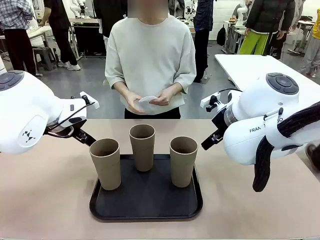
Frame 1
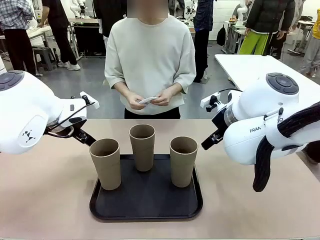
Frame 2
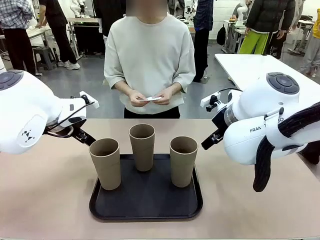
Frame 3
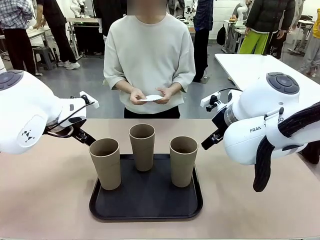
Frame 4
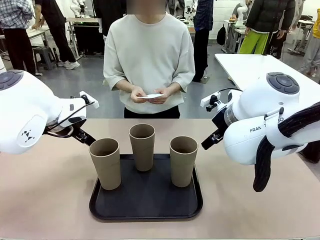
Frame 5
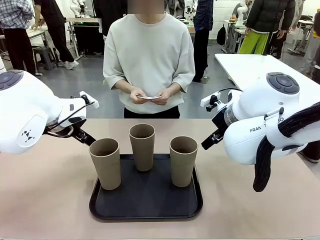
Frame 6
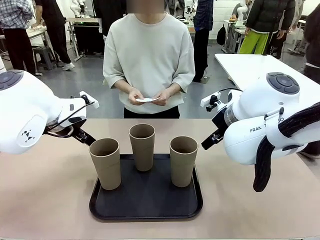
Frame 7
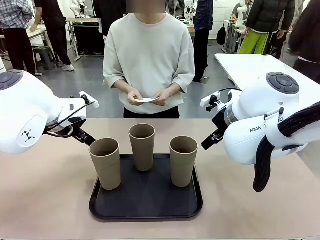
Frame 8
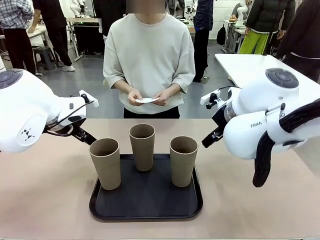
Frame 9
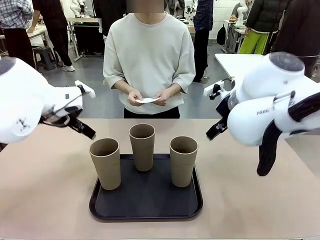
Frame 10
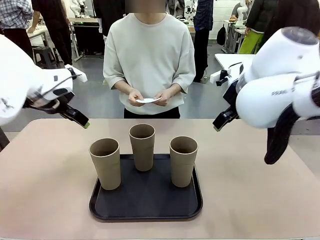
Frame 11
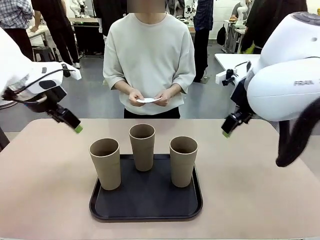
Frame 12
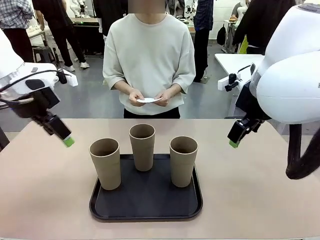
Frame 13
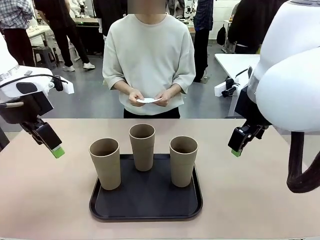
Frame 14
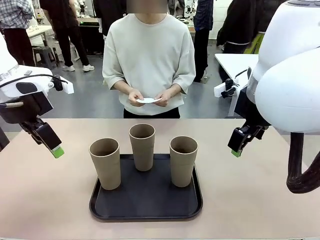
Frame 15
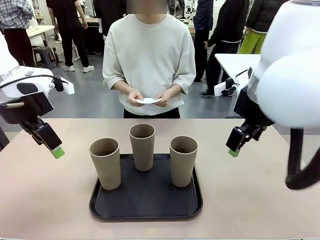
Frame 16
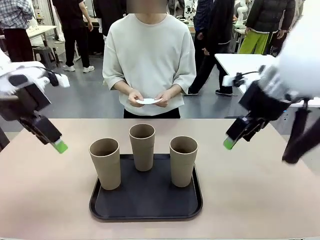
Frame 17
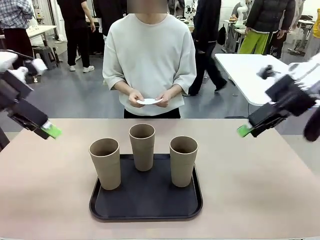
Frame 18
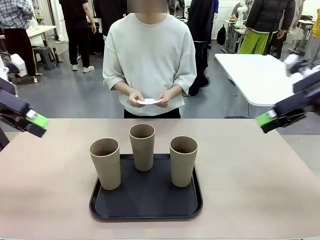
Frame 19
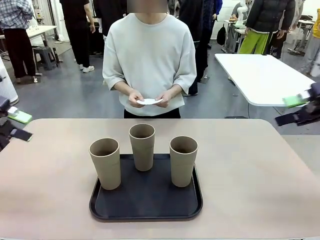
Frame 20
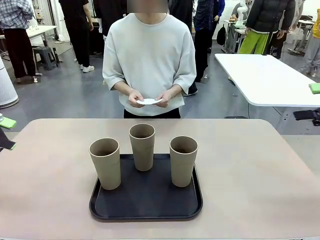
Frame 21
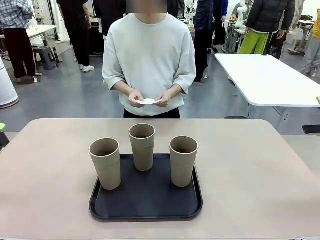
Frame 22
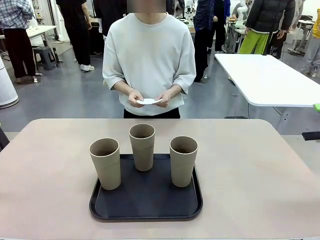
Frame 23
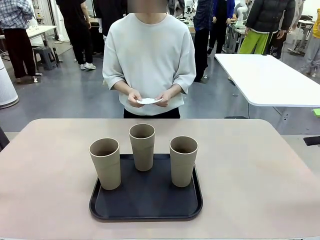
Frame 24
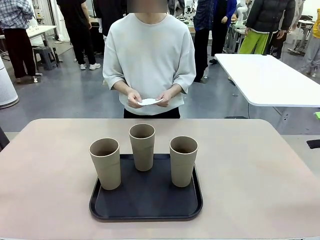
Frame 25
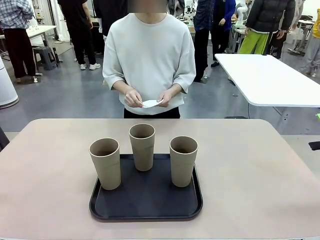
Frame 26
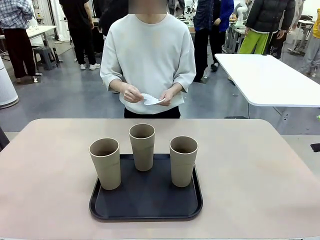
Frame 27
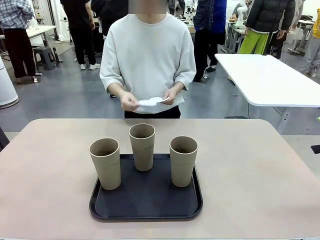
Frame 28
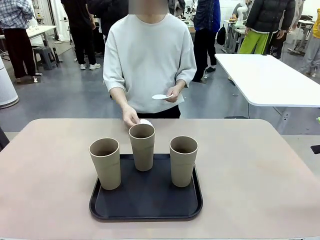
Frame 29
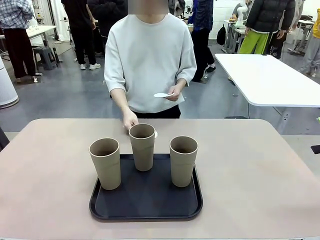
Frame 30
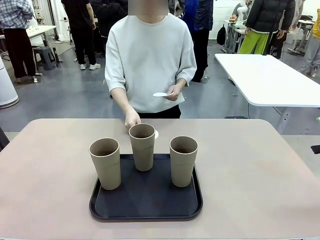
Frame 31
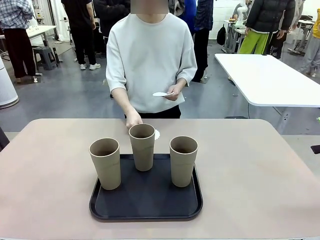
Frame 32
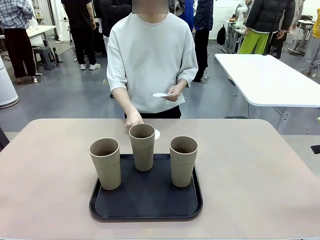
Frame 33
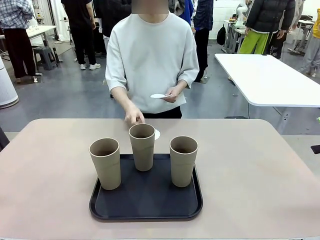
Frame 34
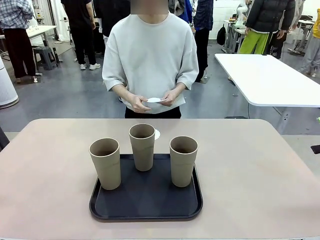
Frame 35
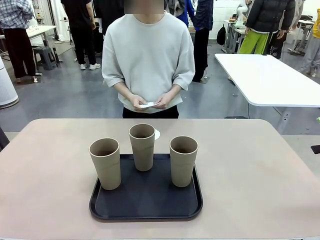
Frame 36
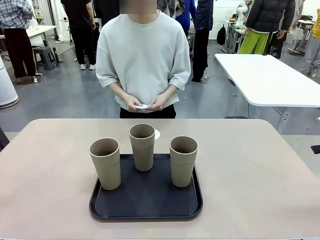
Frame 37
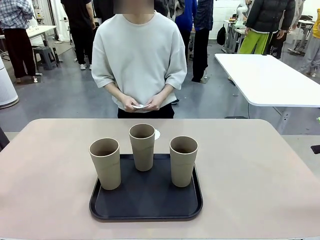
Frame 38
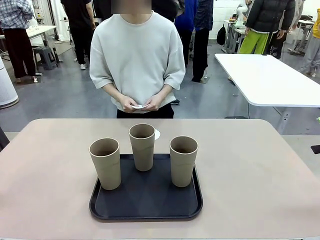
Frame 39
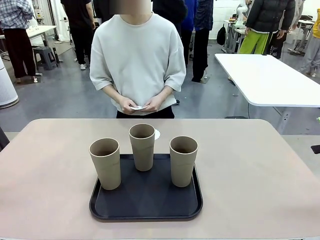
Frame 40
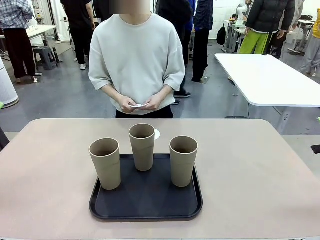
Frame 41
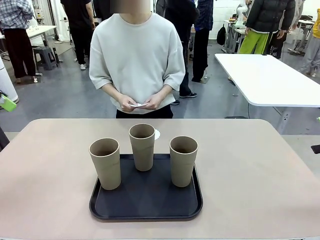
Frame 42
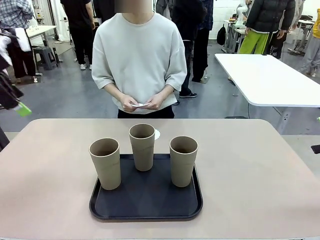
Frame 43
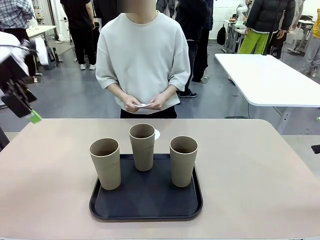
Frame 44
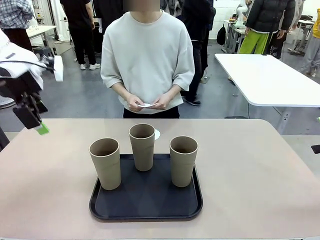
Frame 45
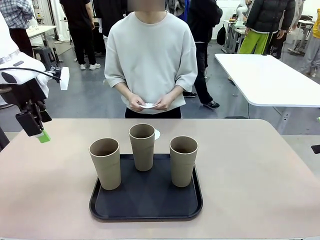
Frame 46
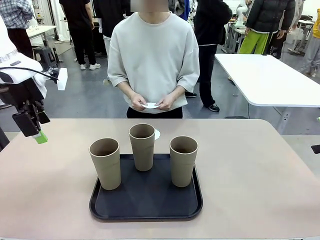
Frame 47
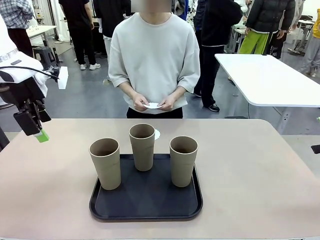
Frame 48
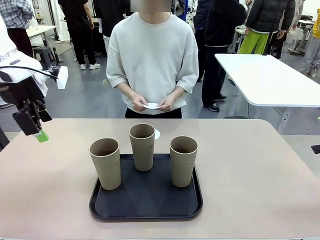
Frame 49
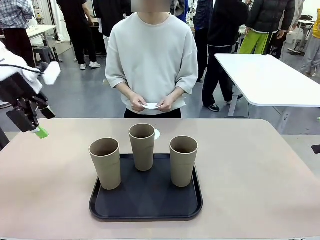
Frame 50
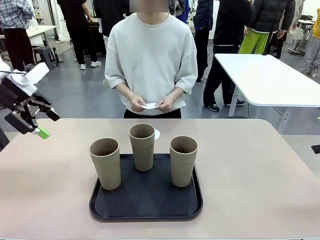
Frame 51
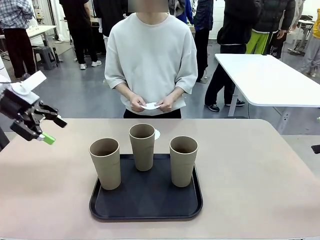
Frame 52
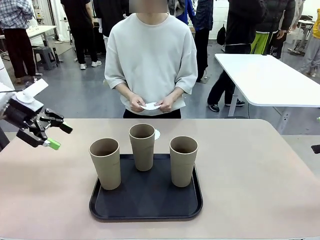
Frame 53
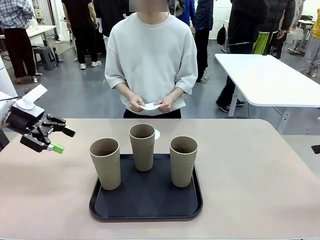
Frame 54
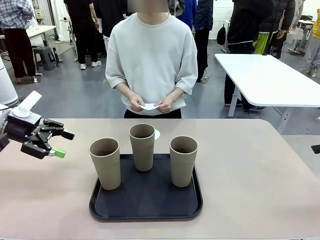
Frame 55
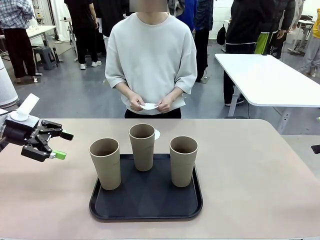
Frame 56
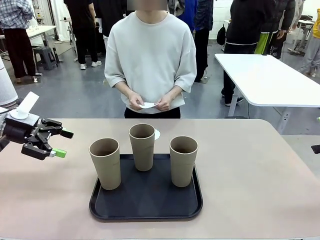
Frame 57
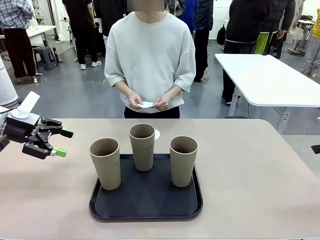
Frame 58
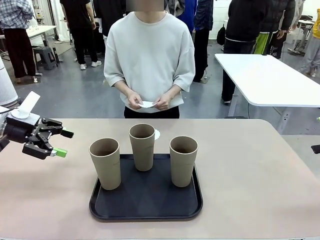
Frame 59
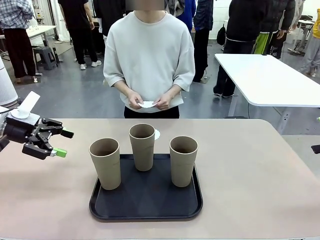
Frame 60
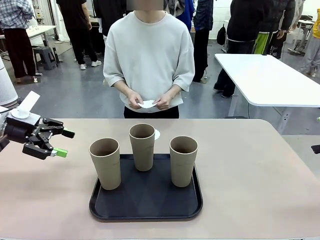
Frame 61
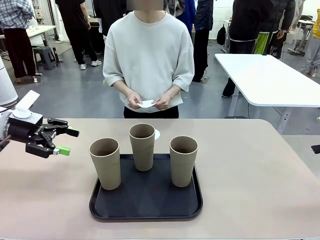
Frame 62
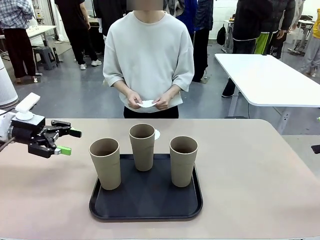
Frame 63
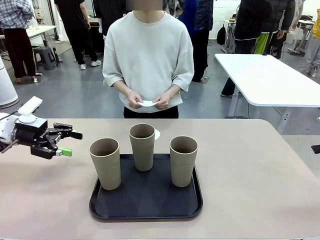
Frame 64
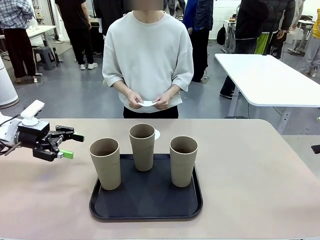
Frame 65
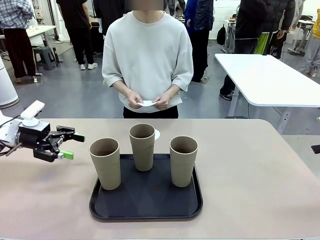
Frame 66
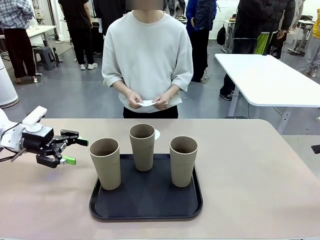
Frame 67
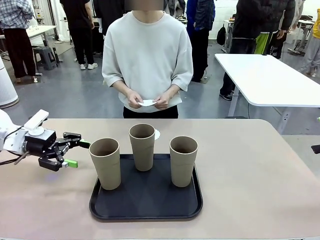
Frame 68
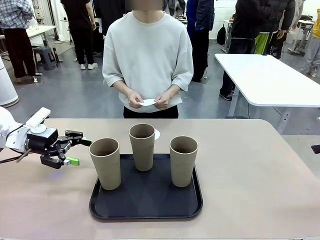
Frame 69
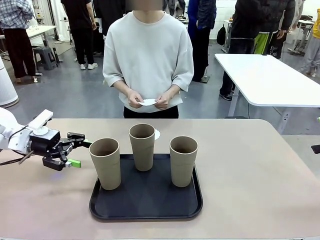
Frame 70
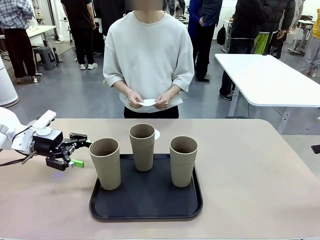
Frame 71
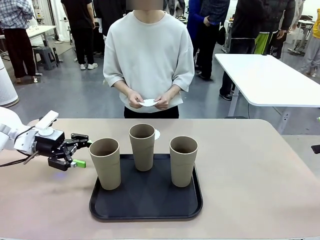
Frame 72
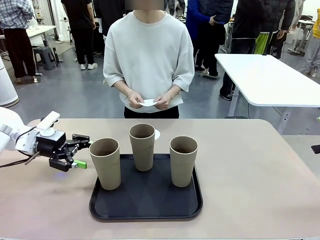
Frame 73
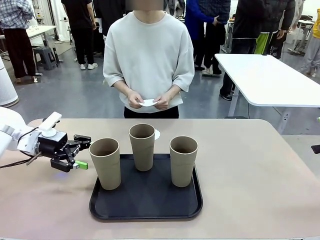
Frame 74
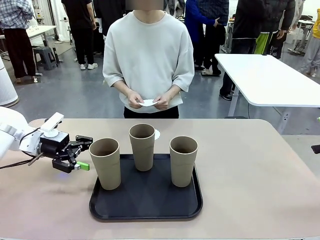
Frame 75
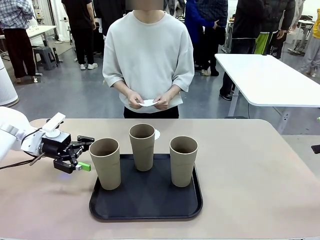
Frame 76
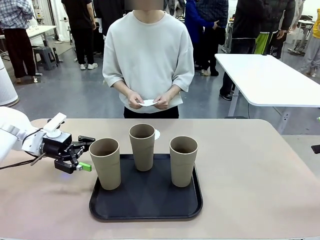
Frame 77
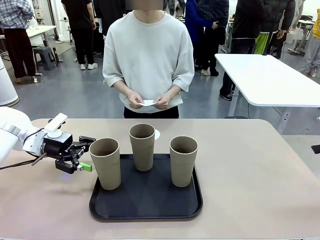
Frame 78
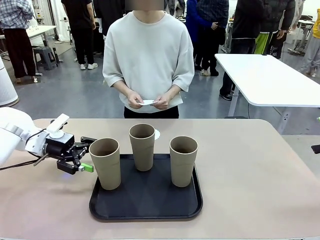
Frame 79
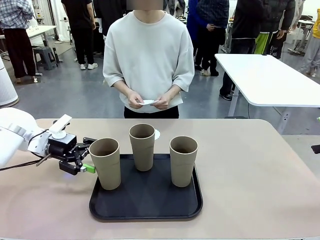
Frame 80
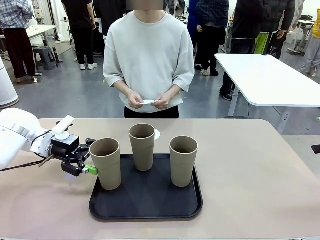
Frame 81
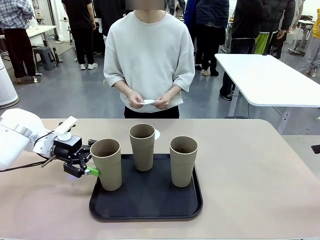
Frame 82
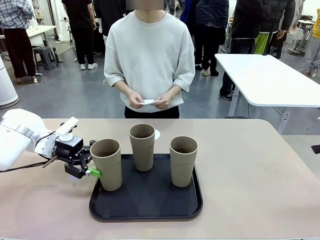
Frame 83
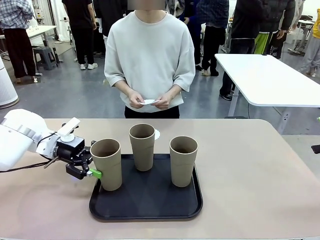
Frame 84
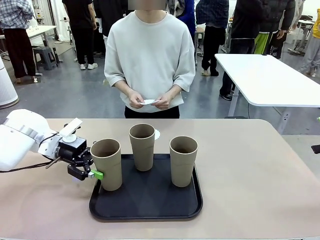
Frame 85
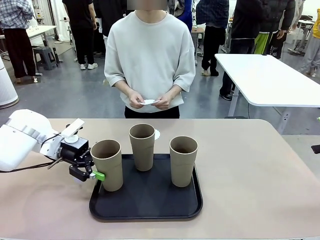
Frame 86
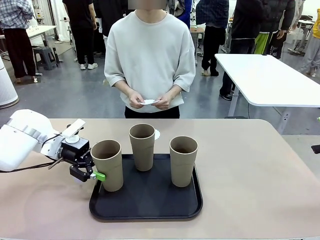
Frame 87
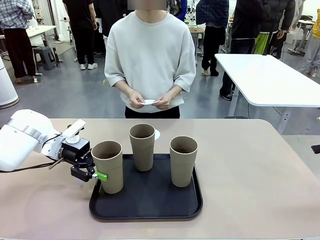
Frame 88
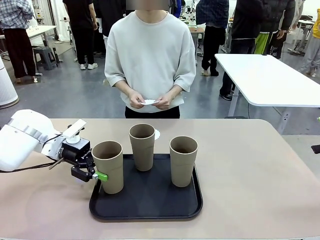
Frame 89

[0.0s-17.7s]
Task: Place coasters on the table and set cups on them.
Robot: Pick up one Reusable plastic cup and place it on a coaster set by the human.
Person: Place one coaster in any one of the three lower areas of the robot table (left, center, or right).
